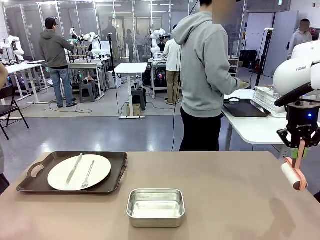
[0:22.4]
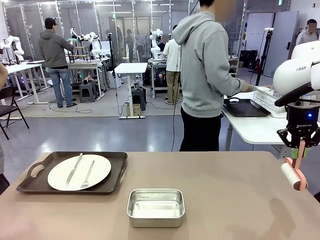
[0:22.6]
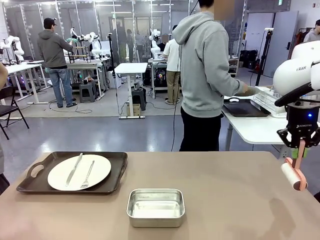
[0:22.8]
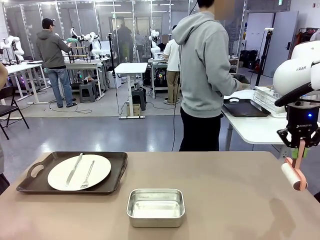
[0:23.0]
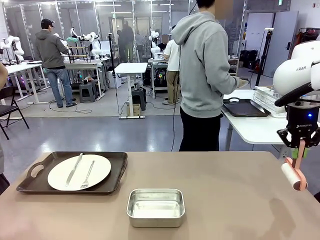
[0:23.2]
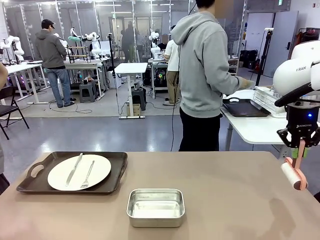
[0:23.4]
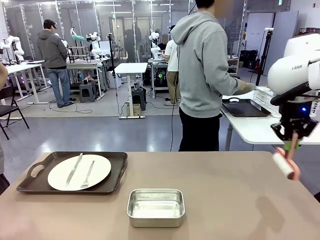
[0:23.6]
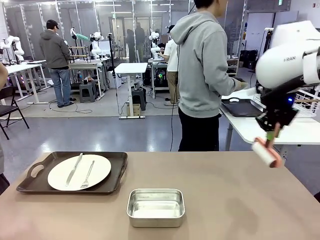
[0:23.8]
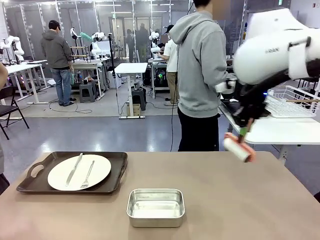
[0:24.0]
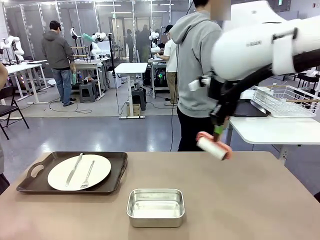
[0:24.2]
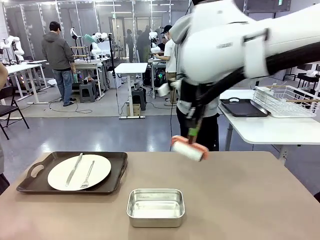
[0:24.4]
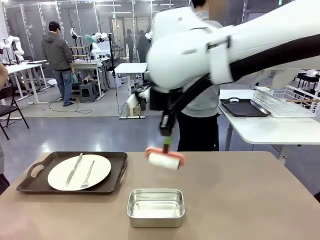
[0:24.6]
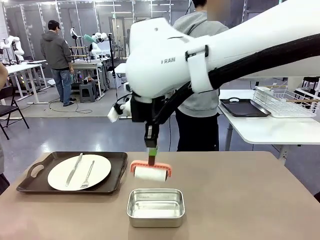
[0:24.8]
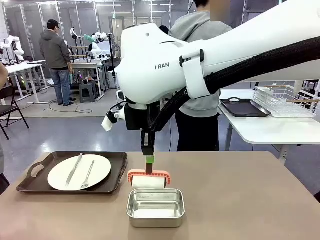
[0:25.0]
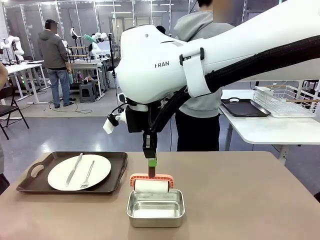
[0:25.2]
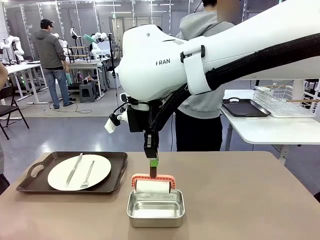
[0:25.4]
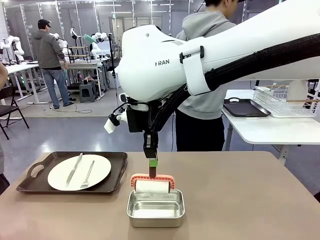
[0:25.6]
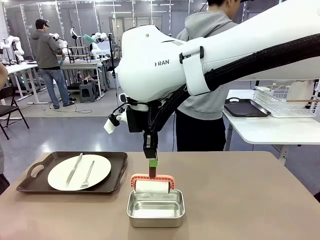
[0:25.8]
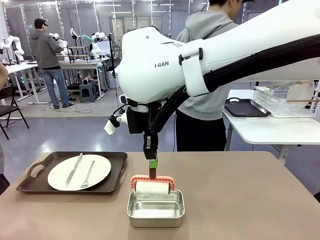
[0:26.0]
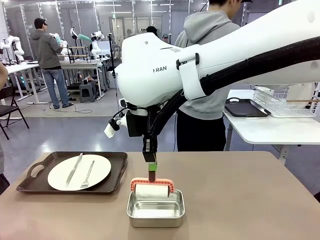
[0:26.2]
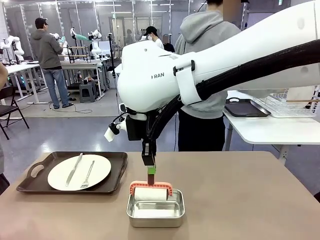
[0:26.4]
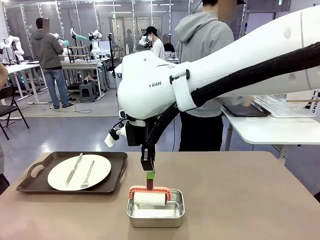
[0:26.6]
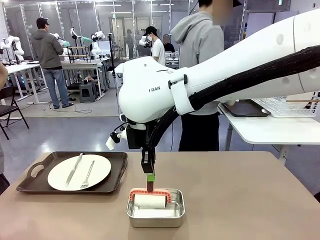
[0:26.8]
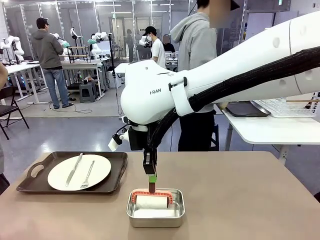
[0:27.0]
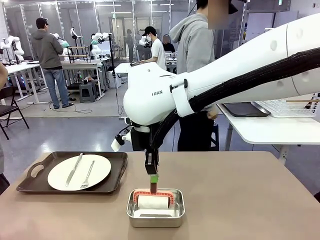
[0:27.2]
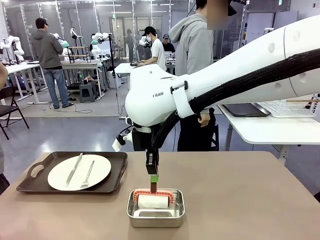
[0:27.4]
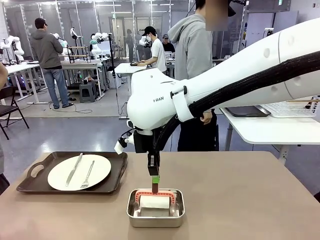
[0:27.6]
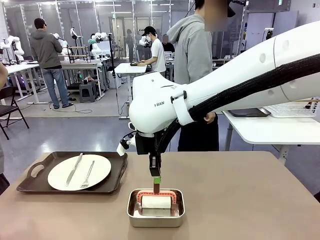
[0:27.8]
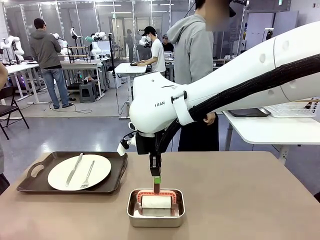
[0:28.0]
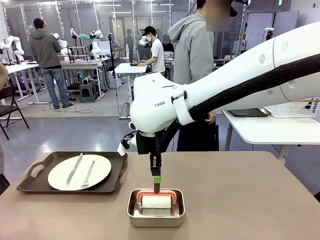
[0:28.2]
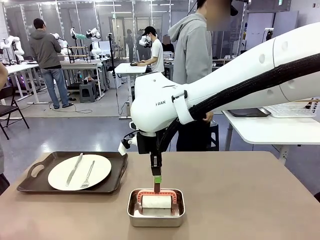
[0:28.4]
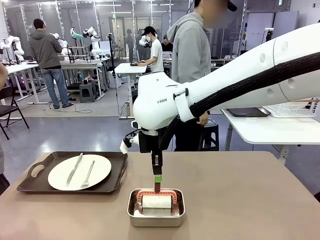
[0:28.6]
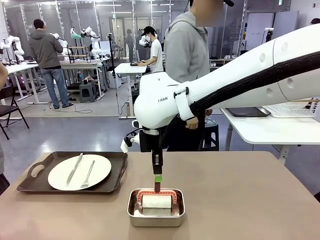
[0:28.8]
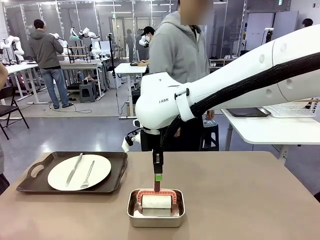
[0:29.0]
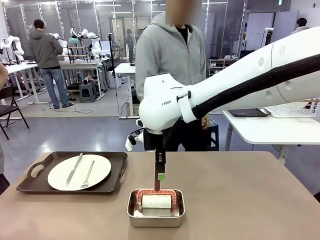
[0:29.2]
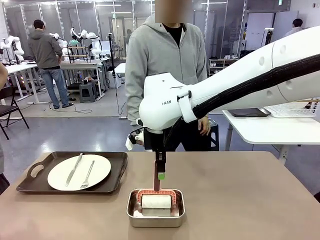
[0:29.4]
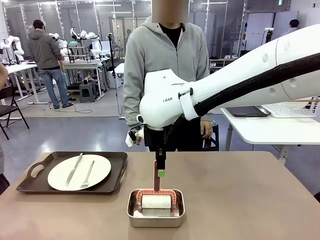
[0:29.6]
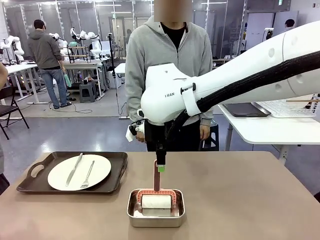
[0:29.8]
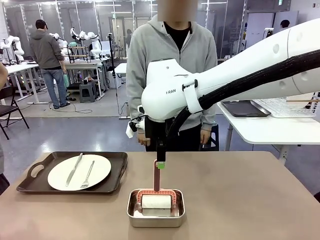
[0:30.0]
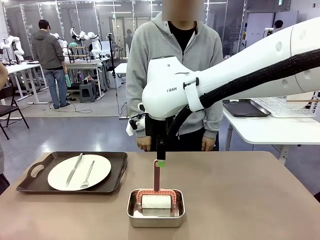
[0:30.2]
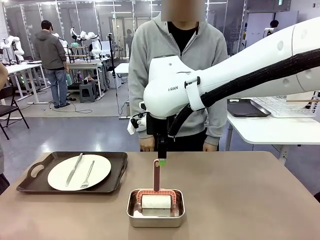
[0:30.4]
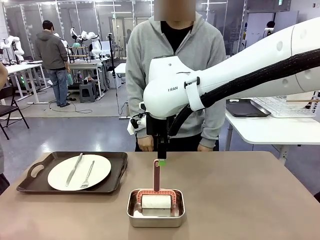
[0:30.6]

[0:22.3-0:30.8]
Robot: Place the Lint Roller back on top of the Airtight Container.

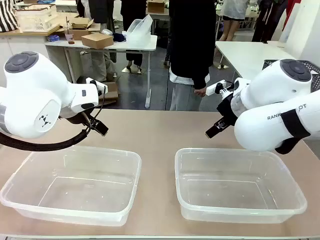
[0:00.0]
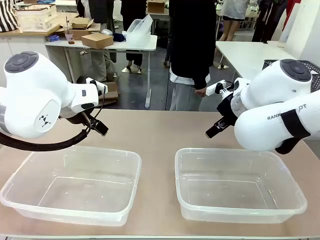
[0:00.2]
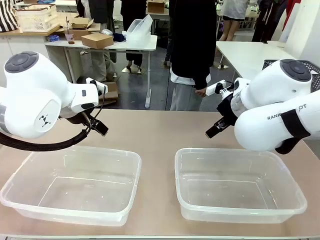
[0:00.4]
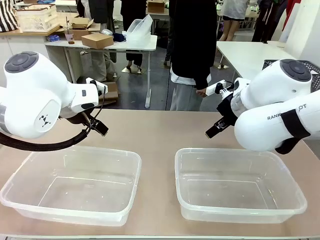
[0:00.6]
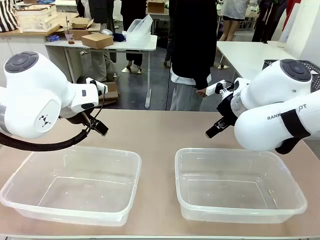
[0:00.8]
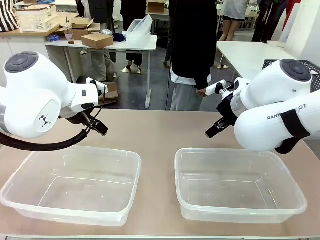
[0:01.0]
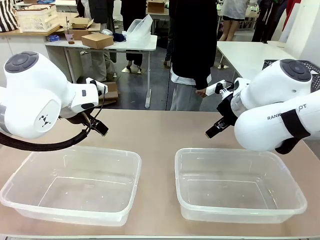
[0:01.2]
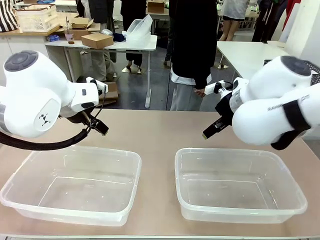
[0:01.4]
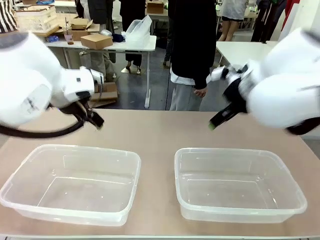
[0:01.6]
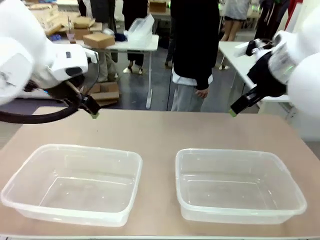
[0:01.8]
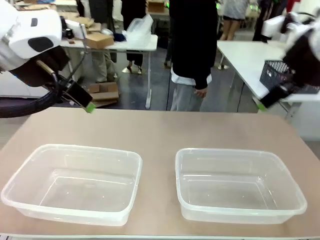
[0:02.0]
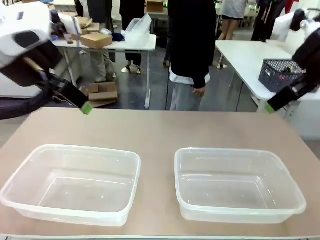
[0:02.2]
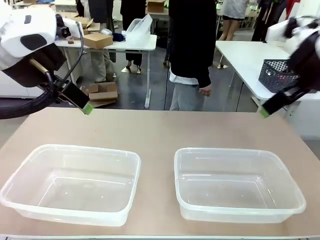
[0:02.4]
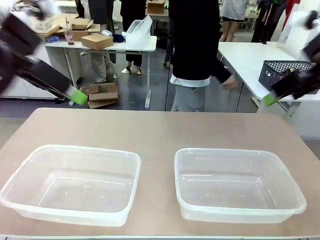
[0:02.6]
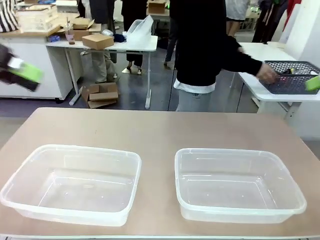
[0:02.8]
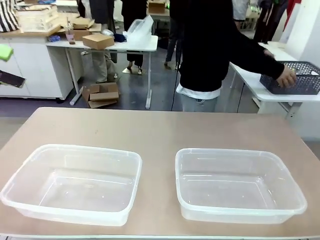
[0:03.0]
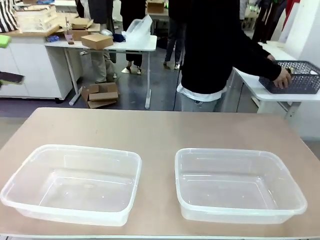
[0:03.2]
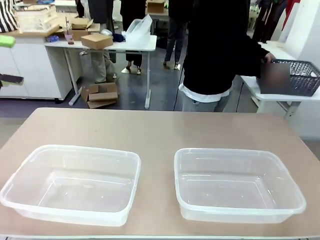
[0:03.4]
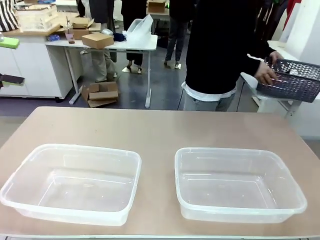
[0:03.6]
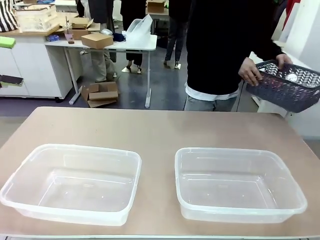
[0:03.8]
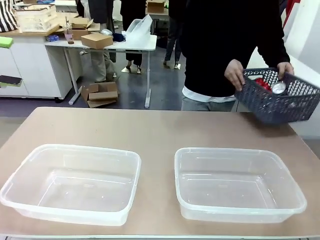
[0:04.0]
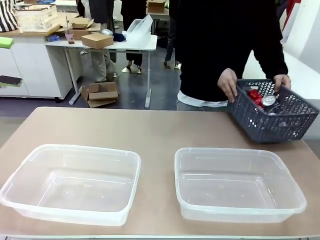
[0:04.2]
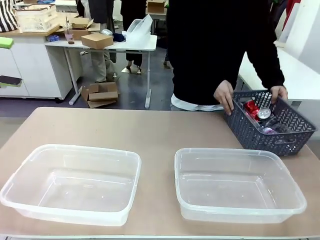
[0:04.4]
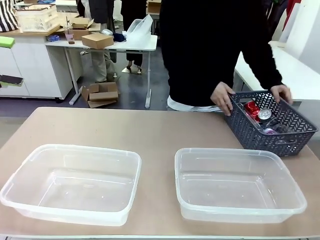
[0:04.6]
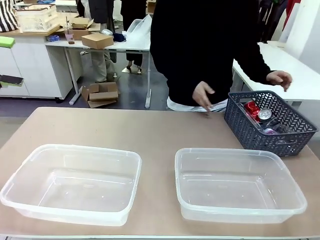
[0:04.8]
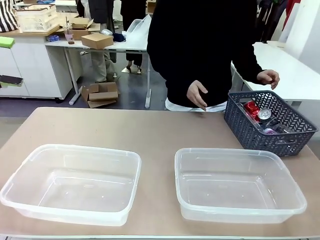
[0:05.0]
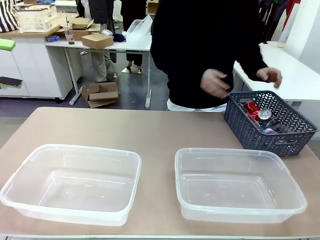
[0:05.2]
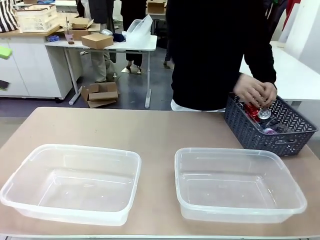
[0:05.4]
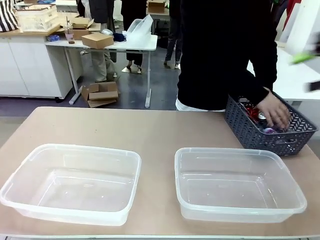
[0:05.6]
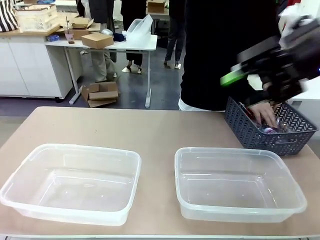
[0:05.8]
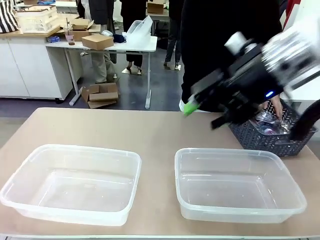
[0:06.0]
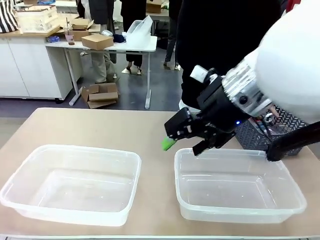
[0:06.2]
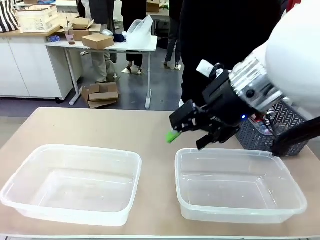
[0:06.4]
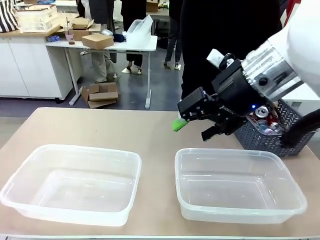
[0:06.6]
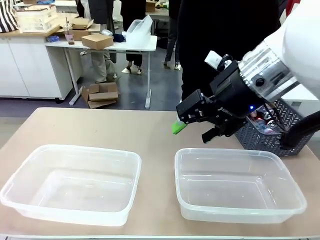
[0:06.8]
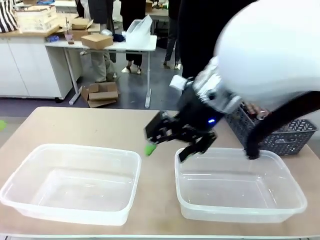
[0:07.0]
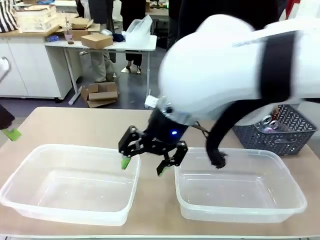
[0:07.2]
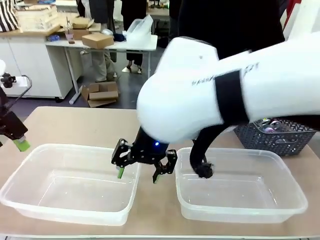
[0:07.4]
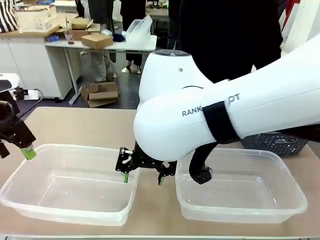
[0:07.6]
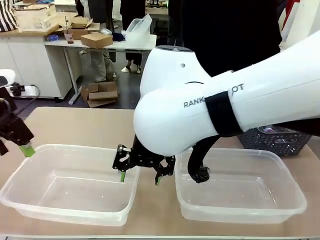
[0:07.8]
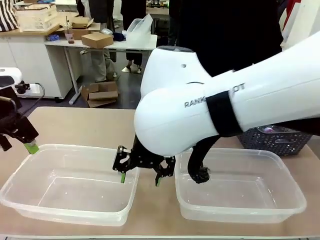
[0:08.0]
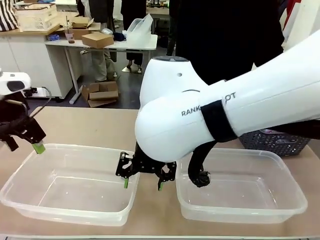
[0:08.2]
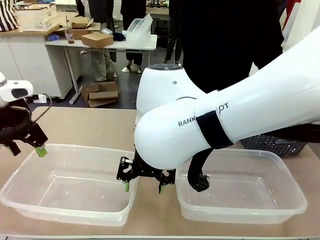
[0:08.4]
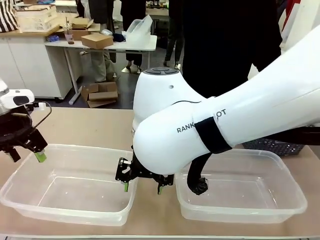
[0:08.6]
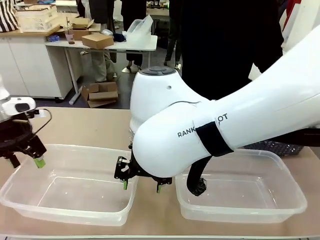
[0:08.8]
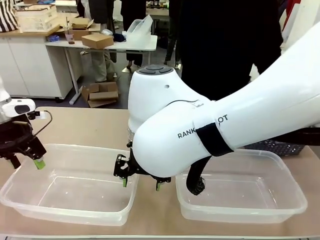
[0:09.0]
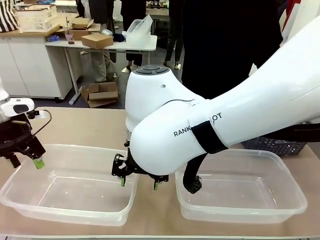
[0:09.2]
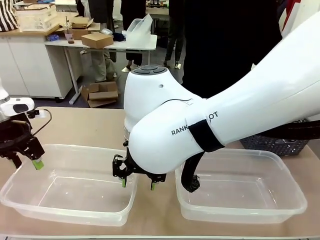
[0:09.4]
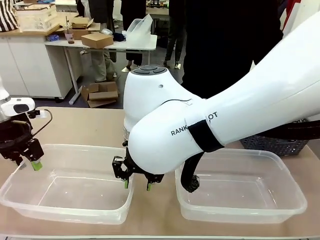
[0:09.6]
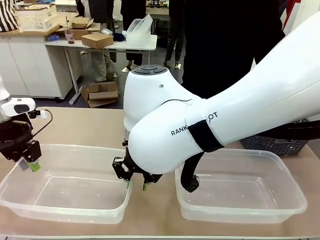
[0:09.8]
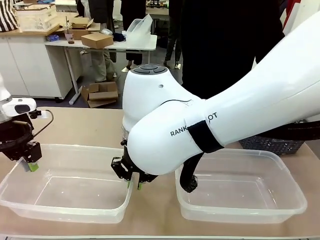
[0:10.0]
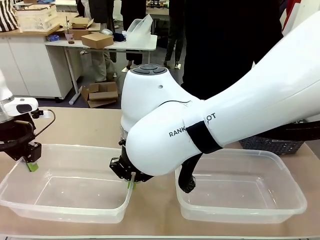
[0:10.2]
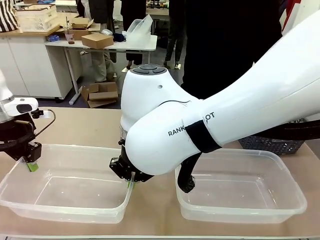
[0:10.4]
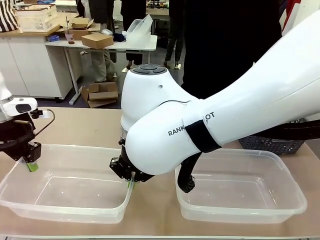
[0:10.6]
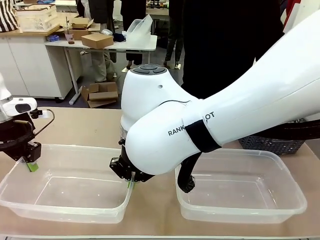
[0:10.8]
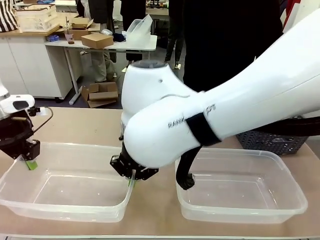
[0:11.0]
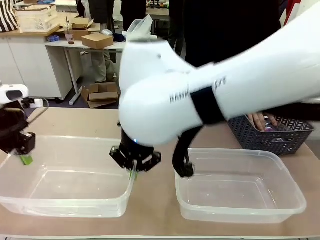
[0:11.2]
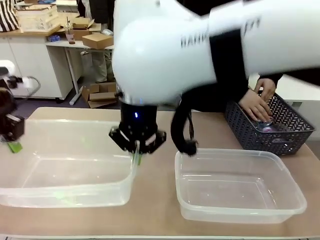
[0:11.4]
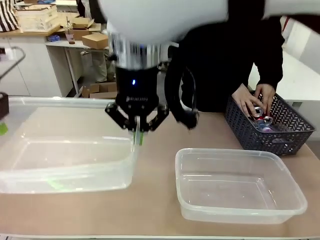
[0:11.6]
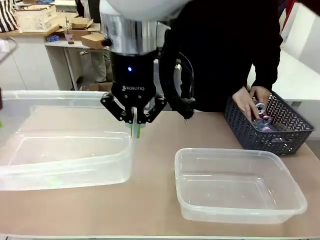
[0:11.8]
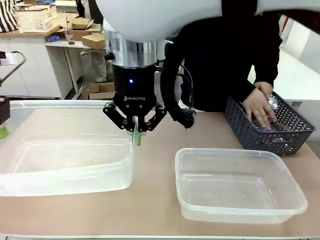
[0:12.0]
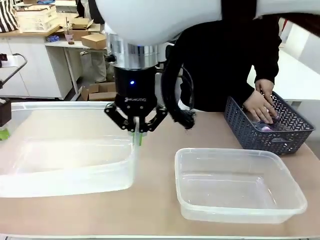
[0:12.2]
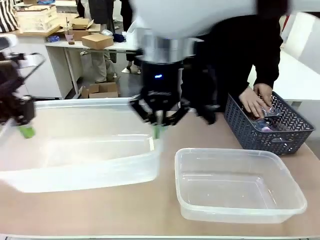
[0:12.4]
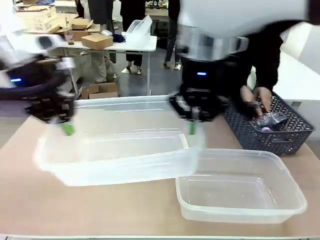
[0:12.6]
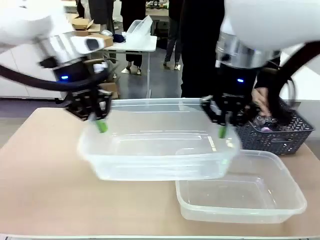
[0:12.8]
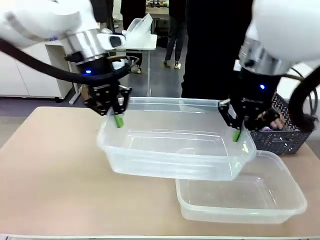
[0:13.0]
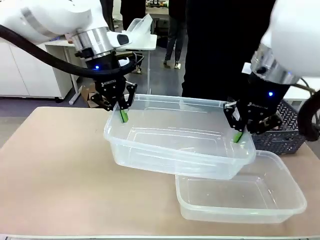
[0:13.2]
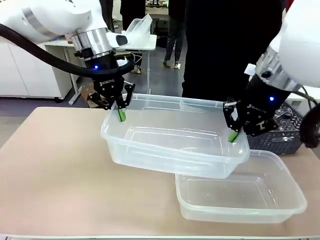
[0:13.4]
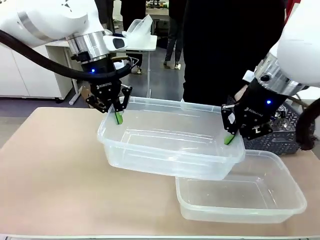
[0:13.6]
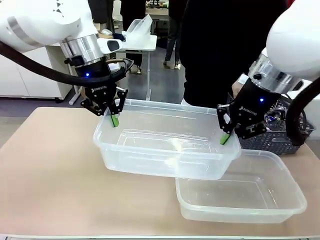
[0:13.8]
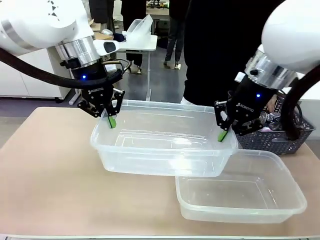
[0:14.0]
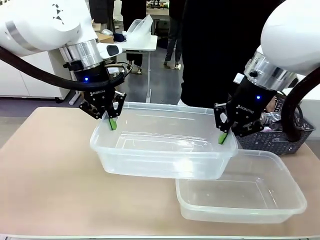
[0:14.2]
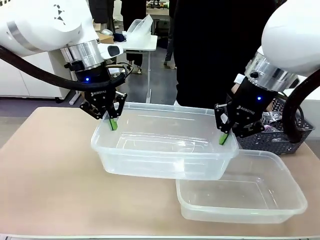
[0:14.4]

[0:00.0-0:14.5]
Robot: Pick up the Organizing box on the left side of the table and lift it.
Person: Pick up the storage basket and place it on the left side of the robot table. Pick up can-shaped waste one by one and place it into the organizing box lifted by the robot.
